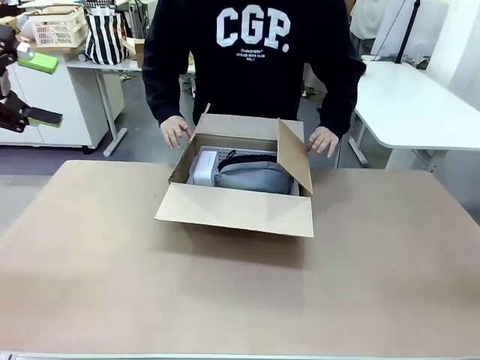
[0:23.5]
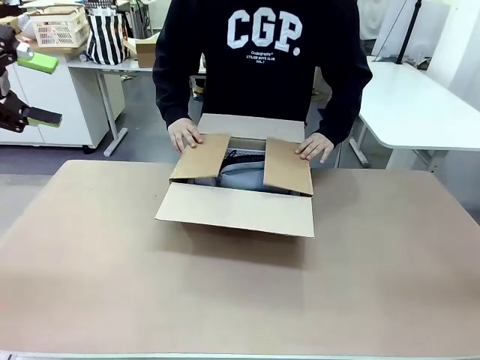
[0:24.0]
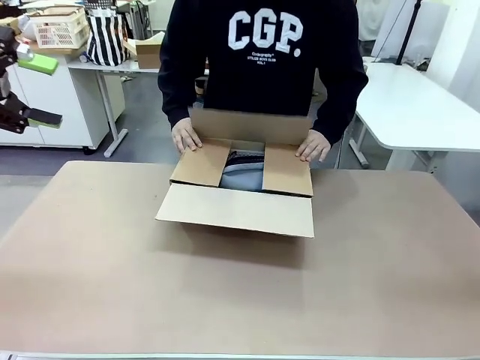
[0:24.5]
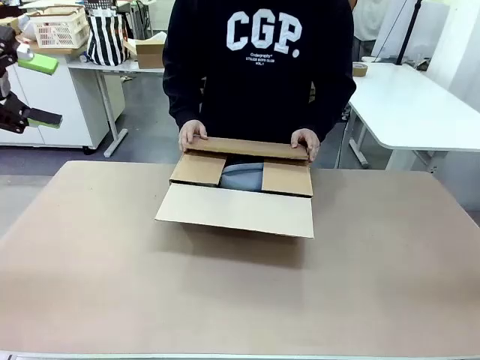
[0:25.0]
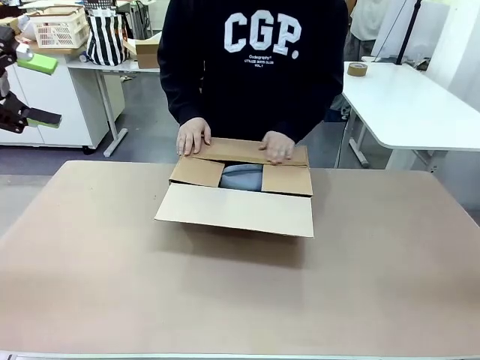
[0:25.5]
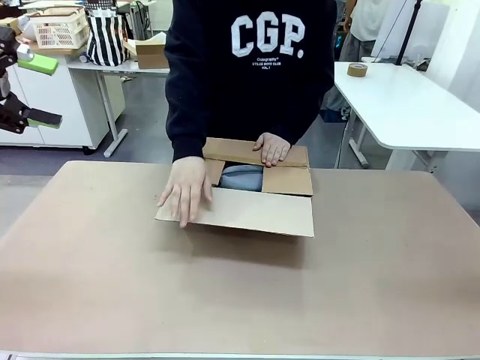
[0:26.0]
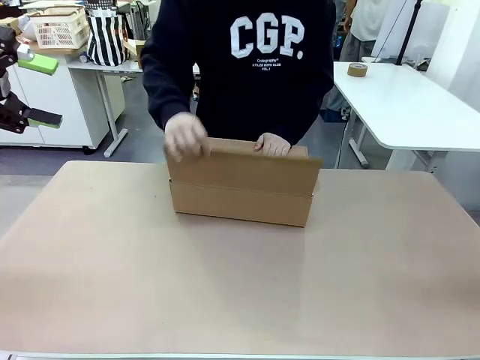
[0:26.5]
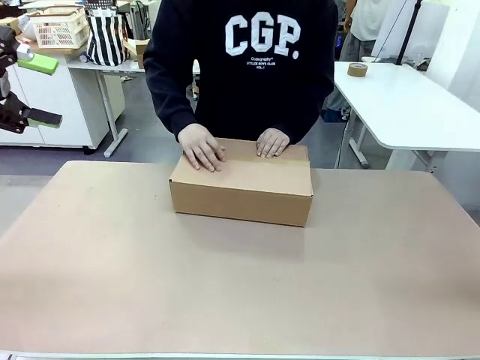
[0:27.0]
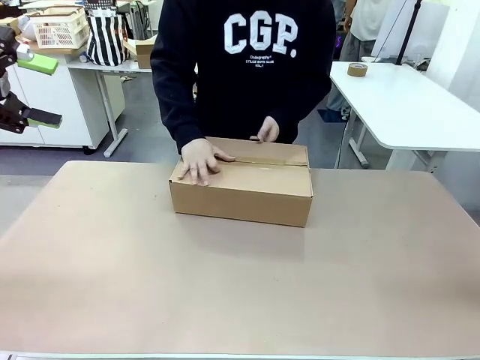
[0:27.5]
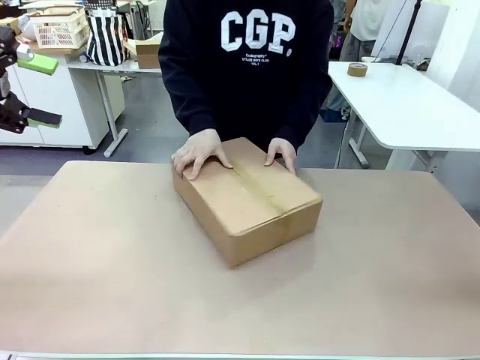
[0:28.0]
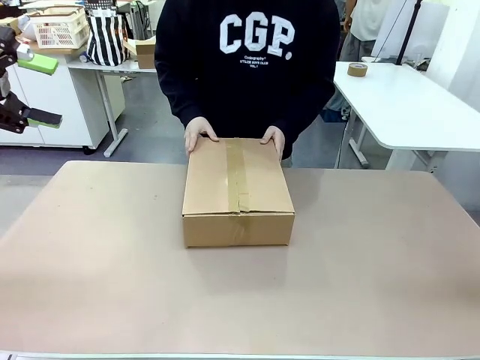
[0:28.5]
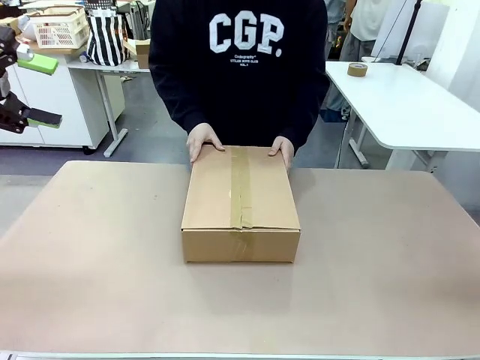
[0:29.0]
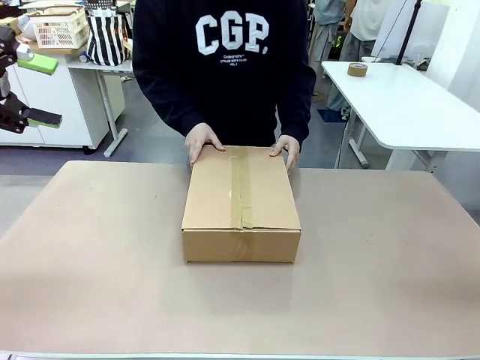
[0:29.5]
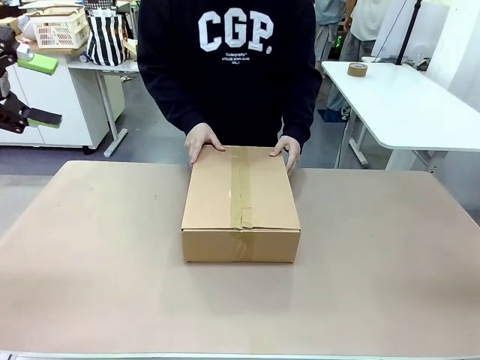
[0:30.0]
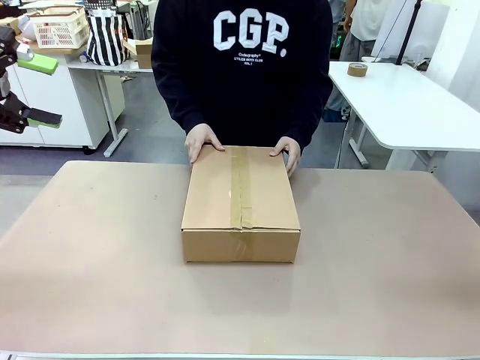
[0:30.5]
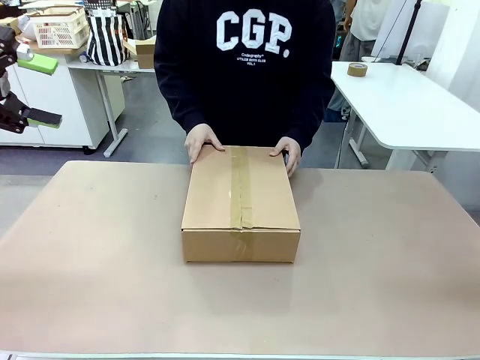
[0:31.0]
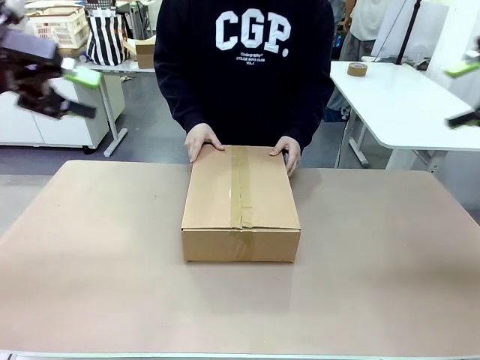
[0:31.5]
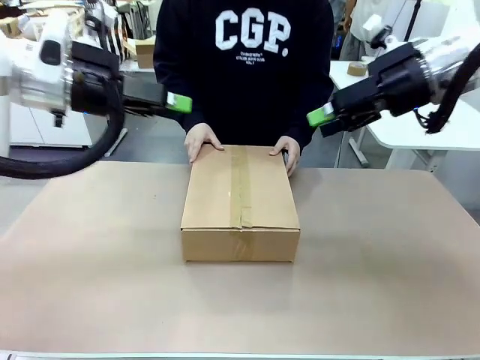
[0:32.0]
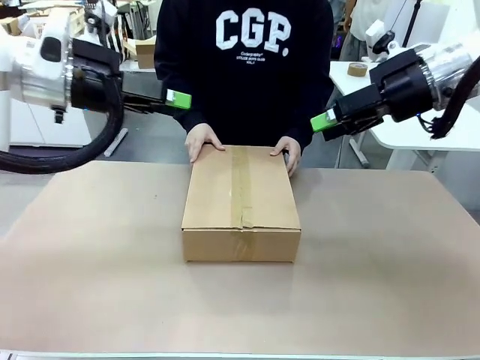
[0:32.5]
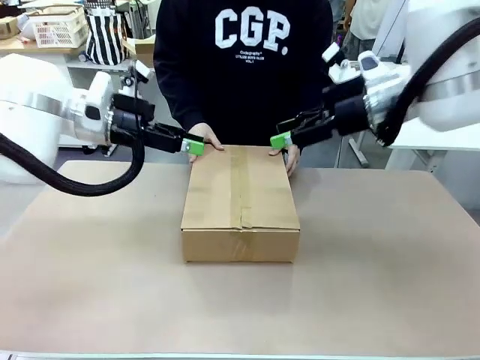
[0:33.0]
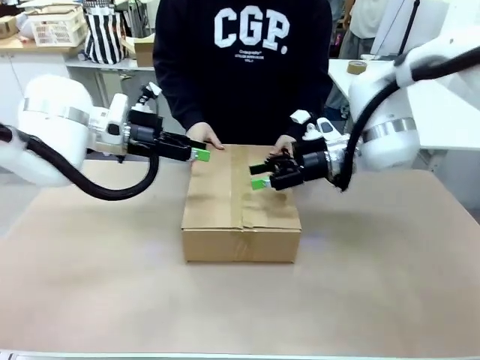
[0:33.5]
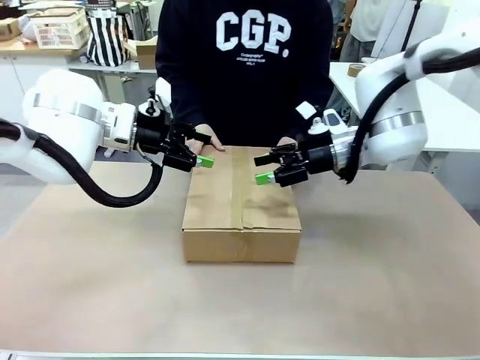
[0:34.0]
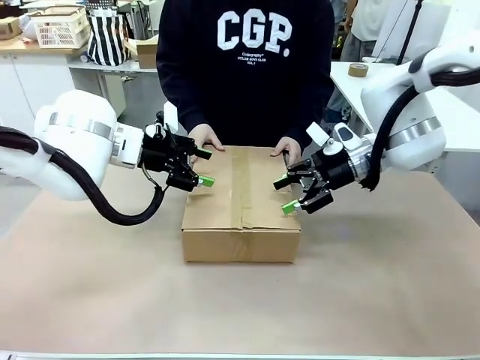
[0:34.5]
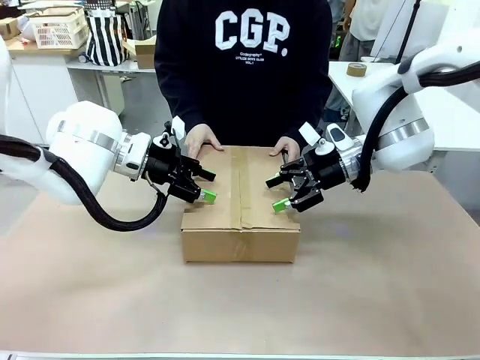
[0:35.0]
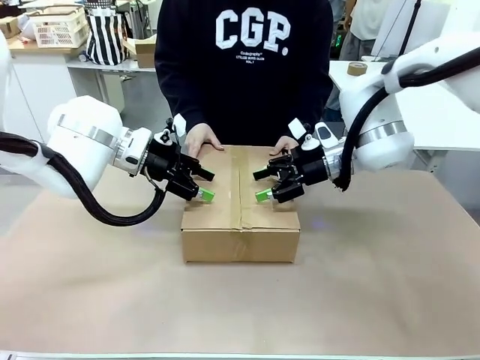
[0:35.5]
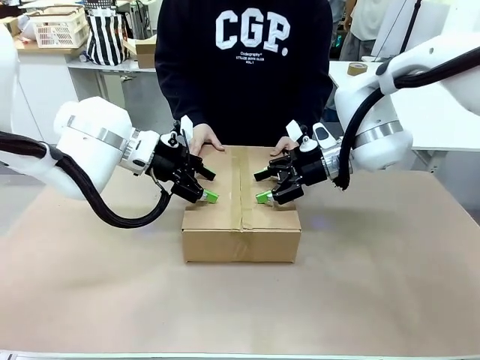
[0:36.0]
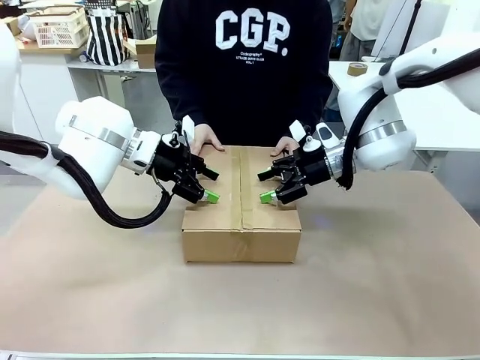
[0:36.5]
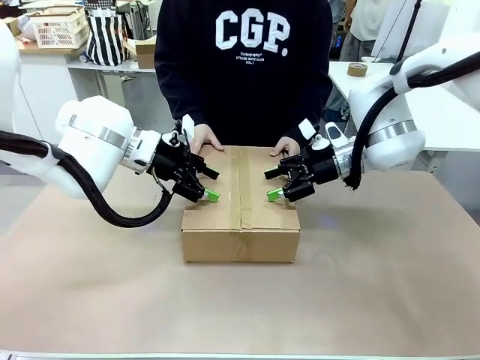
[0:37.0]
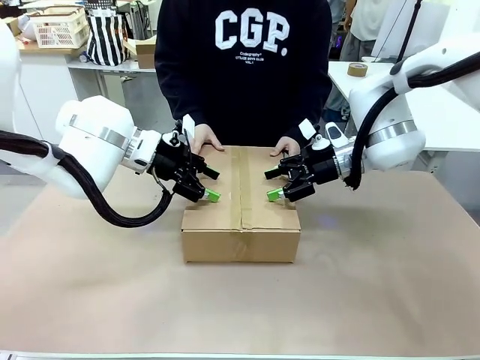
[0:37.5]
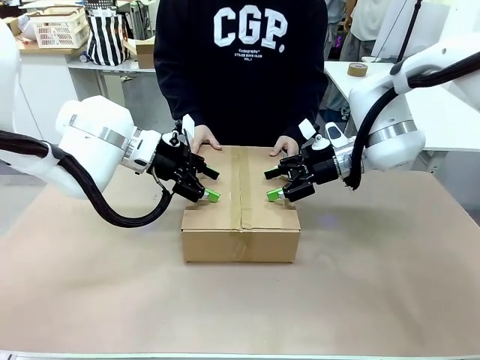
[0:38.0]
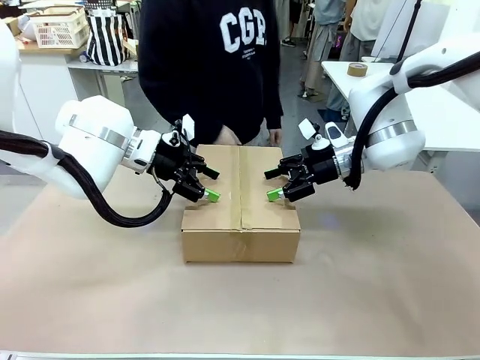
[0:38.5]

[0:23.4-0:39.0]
Task: Pack the gift set into the box.
Robot: Press and hold the closed box until the human finishes sealing it.
Person: The human closes the box and rotates the box by 90 degrees.
